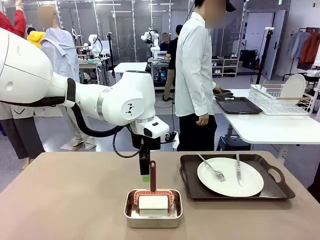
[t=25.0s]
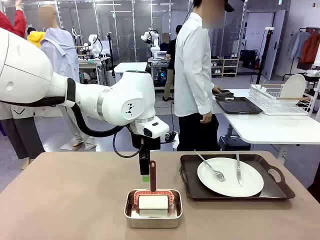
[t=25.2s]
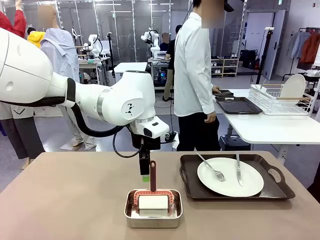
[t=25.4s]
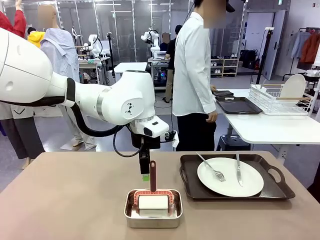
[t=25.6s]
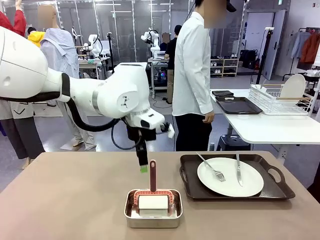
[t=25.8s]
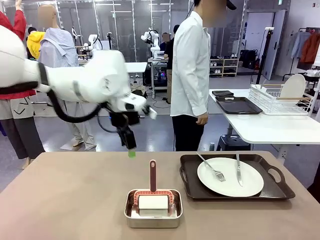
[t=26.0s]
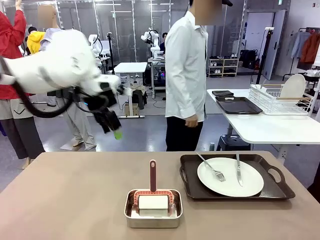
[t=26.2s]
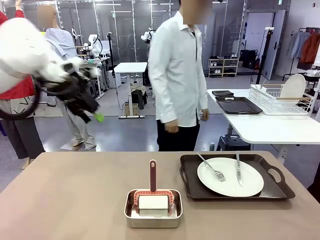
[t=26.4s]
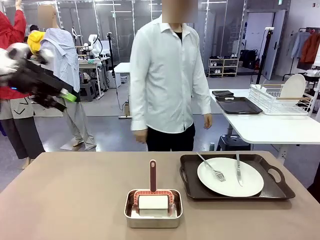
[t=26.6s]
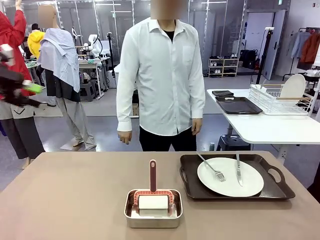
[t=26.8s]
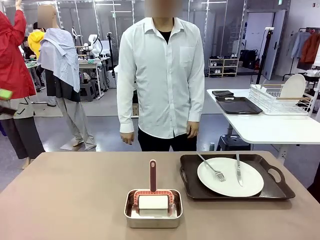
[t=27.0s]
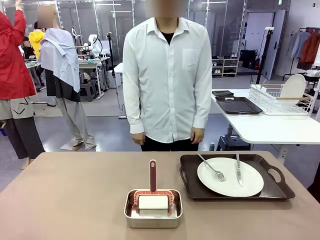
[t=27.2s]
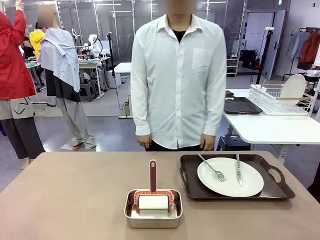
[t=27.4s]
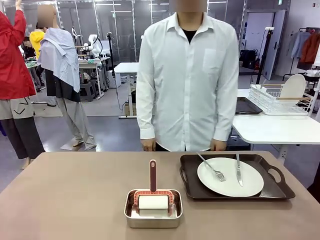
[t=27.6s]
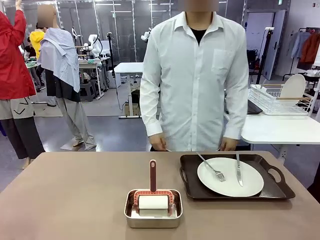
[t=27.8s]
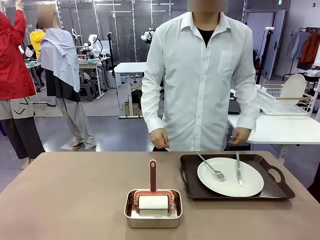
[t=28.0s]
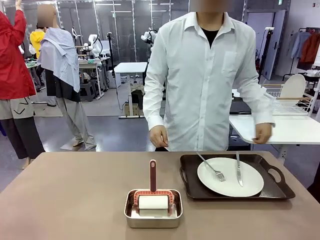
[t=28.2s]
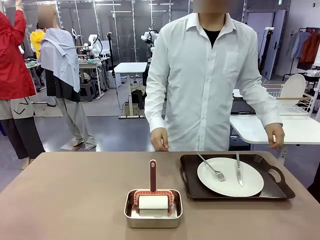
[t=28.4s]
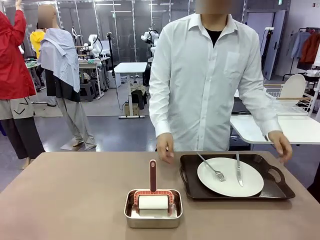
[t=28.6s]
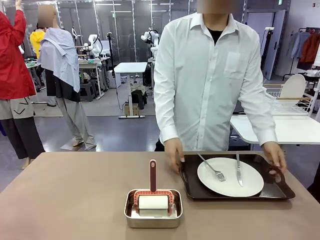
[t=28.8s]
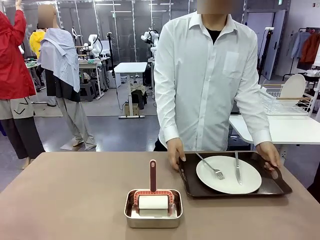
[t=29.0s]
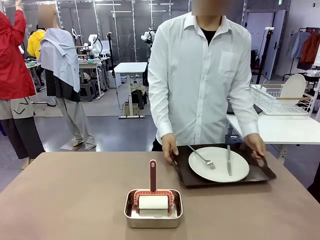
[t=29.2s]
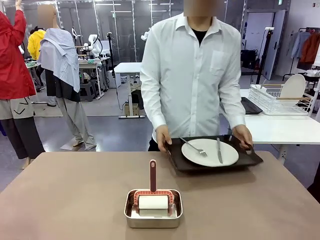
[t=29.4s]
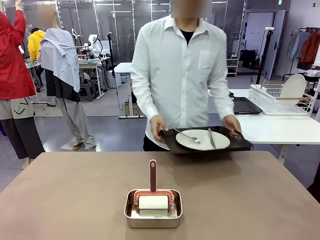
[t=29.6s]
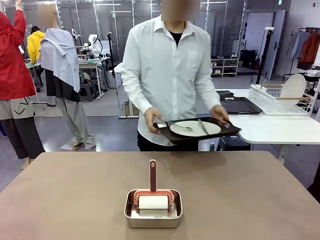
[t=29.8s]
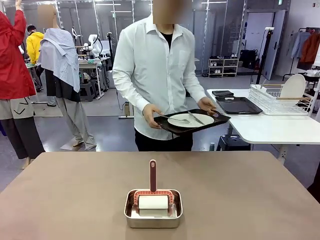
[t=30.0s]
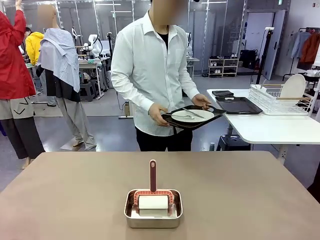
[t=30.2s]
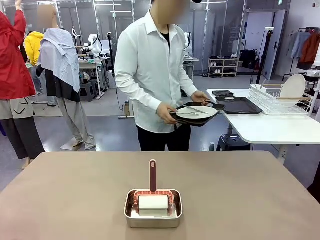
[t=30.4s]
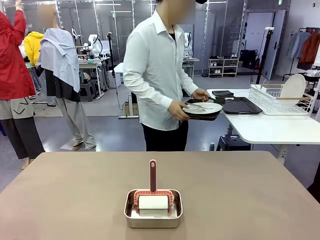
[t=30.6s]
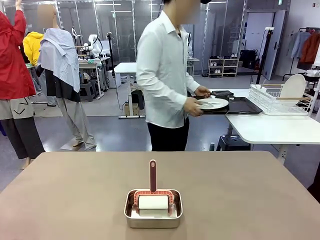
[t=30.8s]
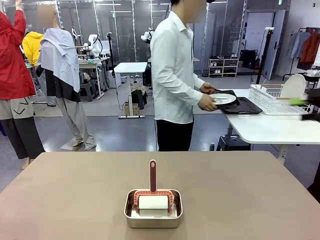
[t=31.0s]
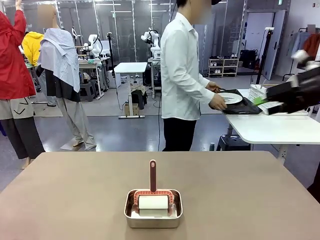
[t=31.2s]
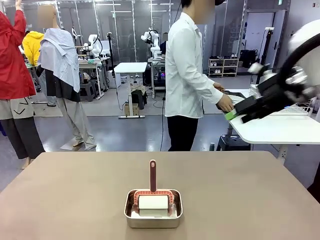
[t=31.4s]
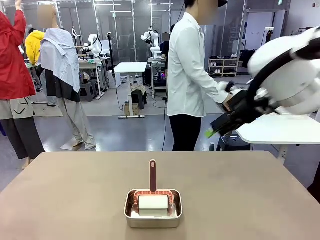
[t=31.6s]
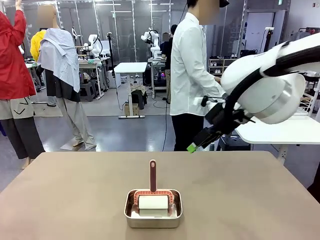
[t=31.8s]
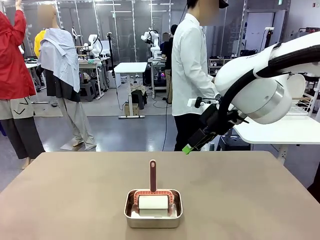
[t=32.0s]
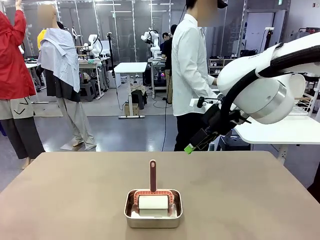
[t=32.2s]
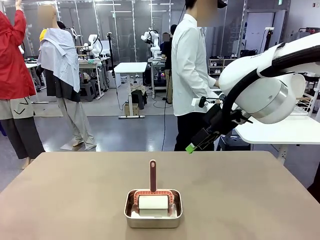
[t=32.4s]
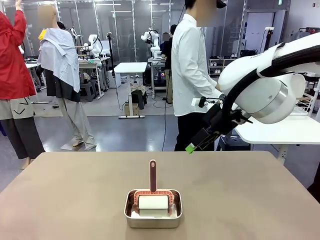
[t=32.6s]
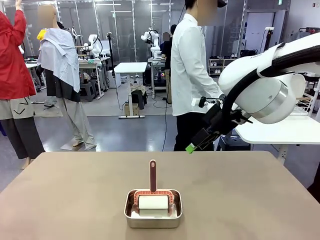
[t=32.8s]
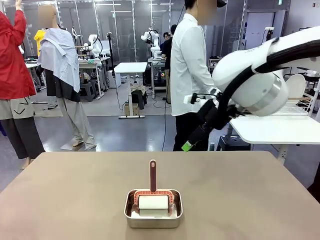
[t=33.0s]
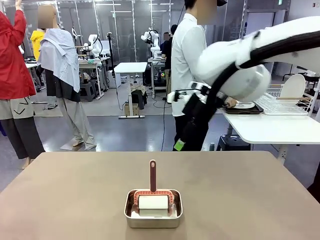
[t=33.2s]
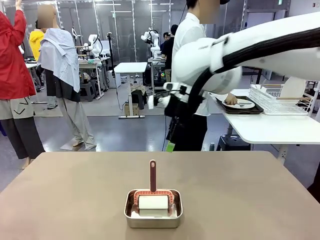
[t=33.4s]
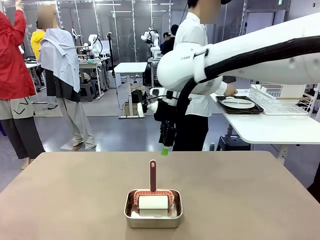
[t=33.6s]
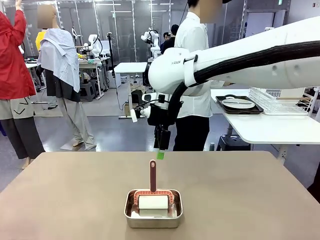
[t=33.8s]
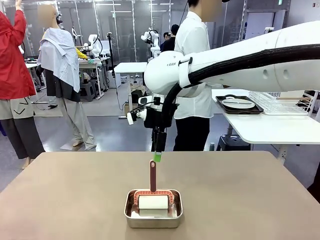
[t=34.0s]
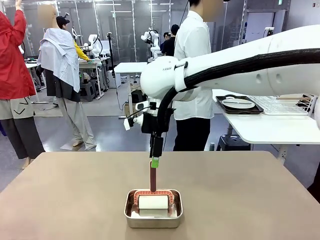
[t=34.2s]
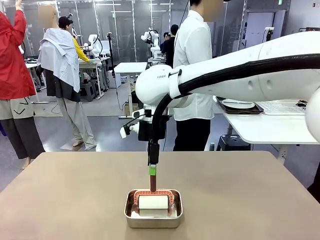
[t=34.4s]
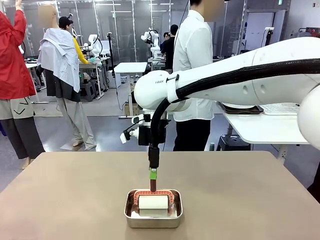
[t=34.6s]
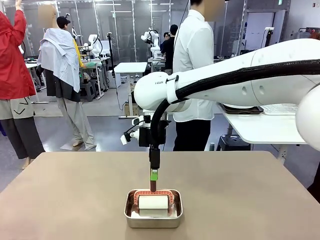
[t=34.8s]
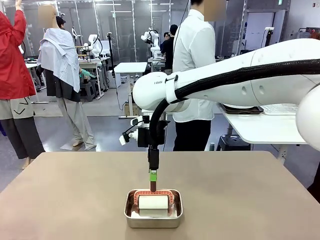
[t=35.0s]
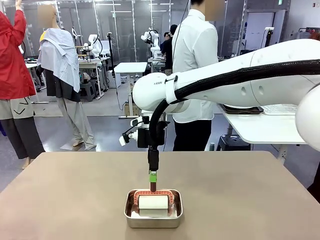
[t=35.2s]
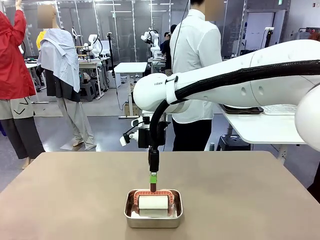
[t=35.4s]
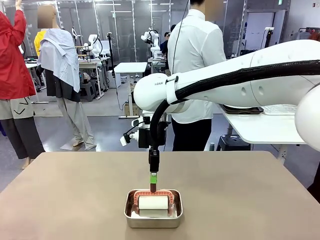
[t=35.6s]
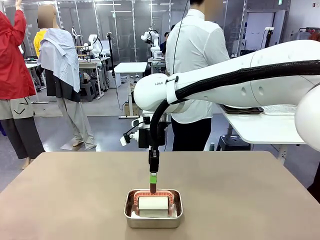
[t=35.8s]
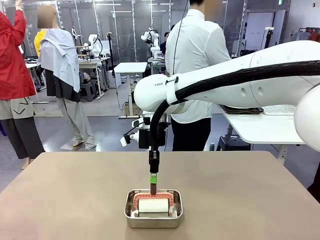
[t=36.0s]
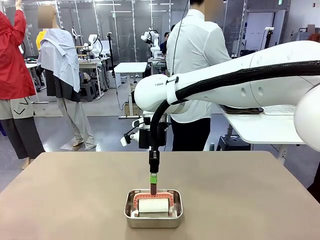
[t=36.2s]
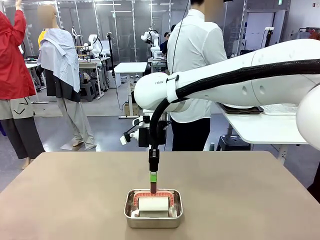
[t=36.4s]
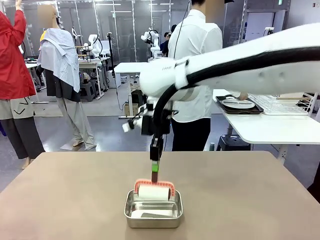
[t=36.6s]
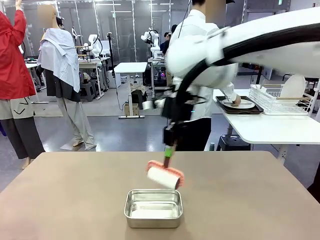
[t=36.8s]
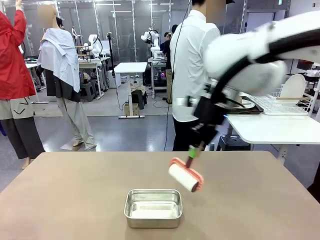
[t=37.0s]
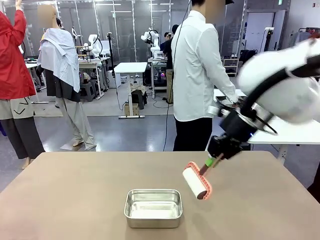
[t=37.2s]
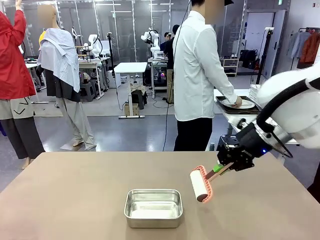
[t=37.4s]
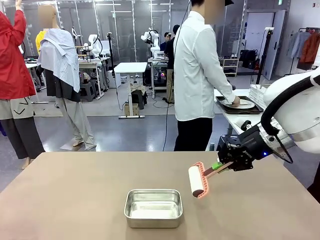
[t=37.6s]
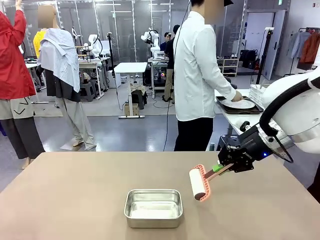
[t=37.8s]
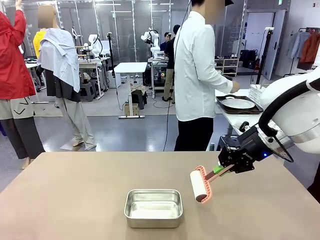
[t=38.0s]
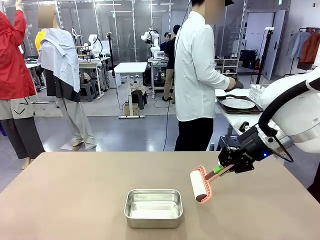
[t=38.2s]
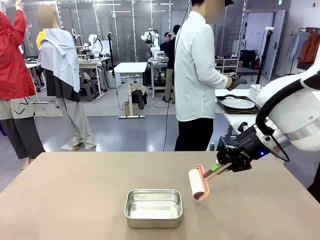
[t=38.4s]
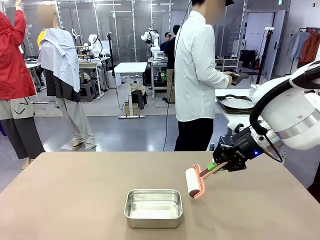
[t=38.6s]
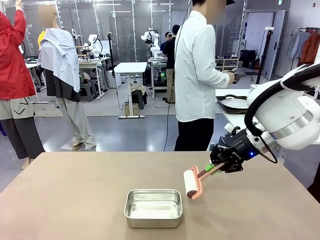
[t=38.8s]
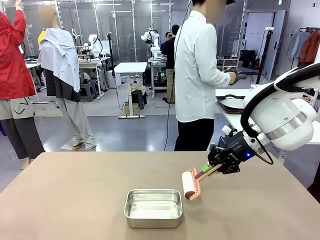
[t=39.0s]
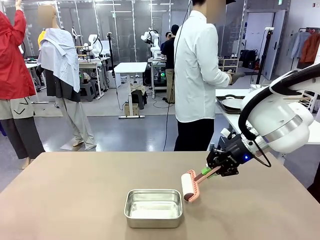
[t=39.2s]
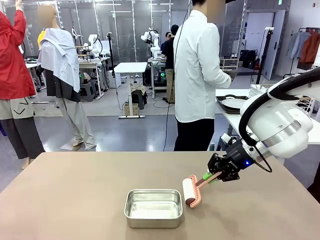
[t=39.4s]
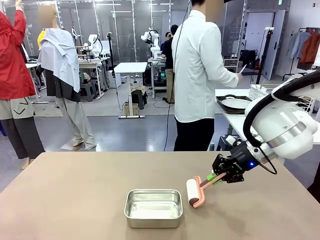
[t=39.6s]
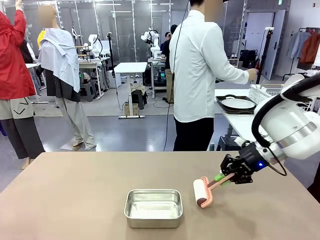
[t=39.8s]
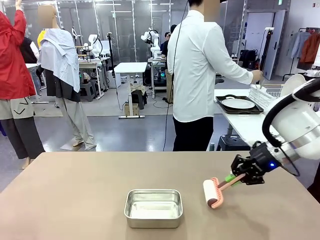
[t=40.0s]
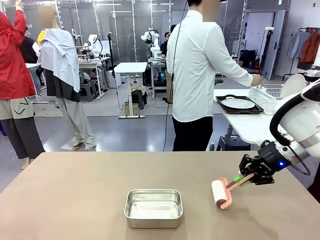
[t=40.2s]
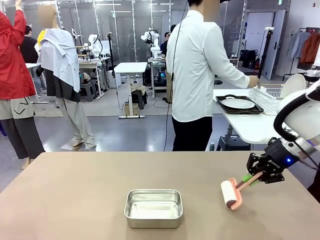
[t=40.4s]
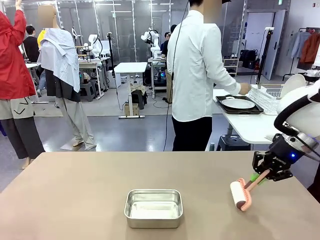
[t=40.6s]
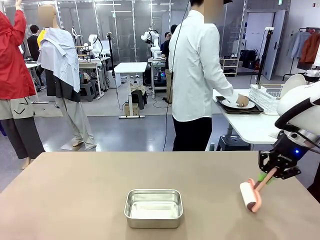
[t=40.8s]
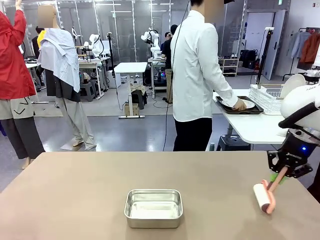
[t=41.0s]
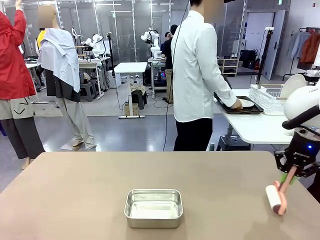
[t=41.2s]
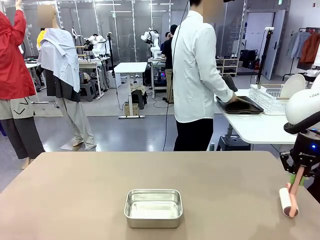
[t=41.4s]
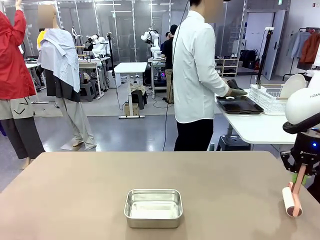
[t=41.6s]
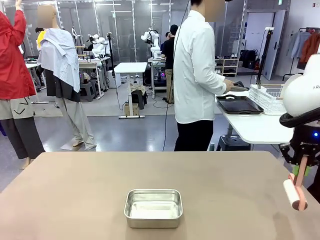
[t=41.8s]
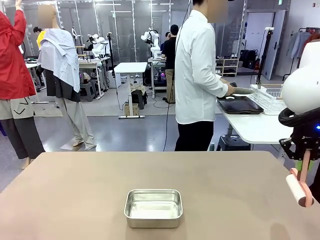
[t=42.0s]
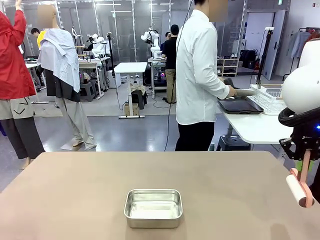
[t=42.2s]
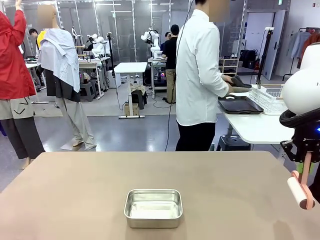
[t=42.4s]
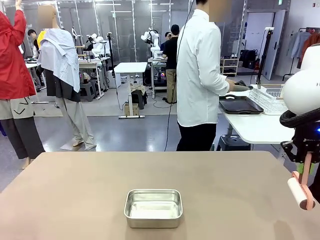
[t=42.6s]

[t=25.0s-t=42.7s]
Robot: When the right (or left) Handle tray is removed, use the right hand (or left hand) to clean the right (or left) side of the table with the Lint Roller.
Person: Pick up the left (or right) Handle tray and place it on the Handle tray.
